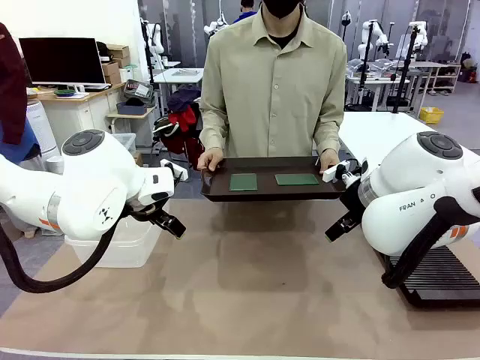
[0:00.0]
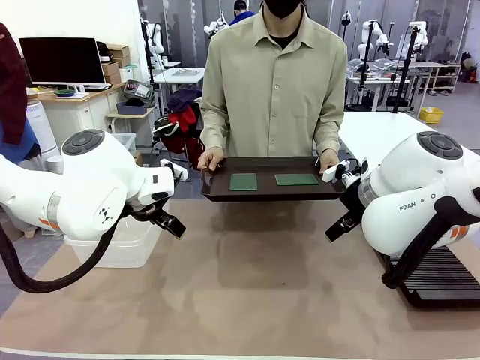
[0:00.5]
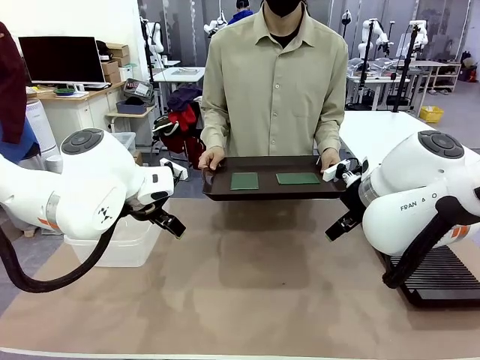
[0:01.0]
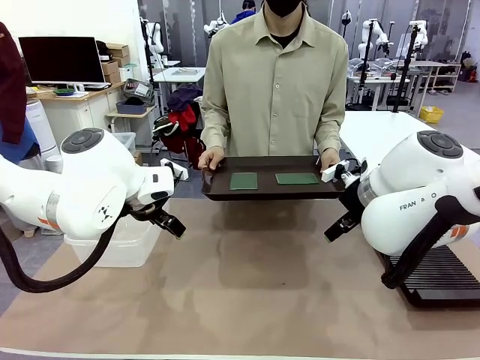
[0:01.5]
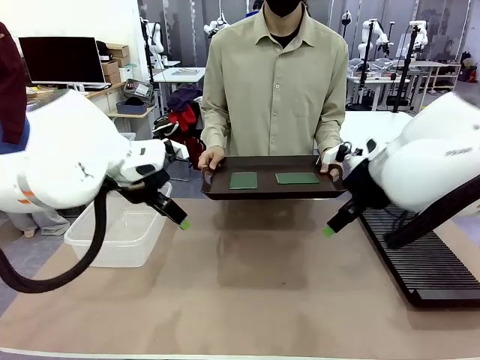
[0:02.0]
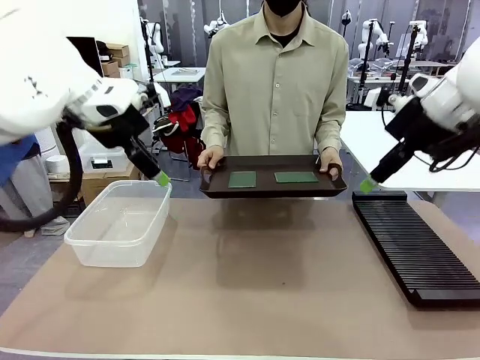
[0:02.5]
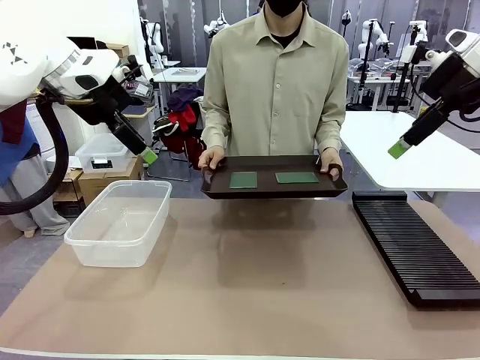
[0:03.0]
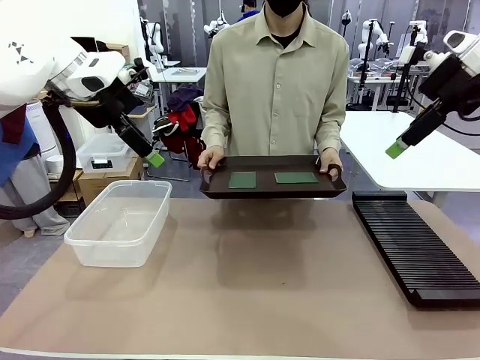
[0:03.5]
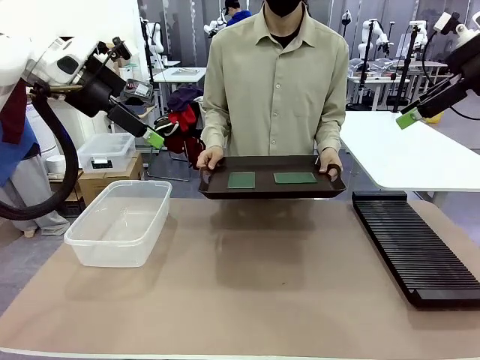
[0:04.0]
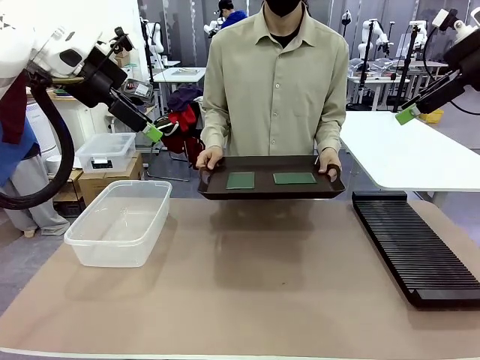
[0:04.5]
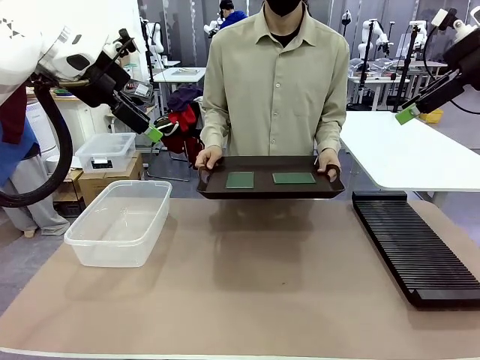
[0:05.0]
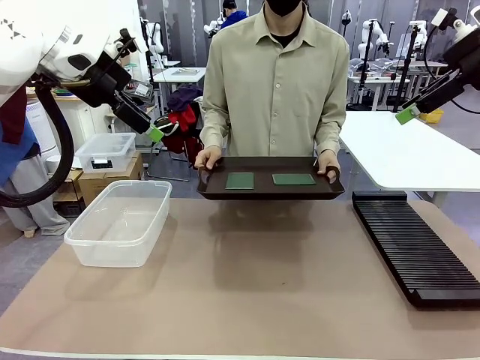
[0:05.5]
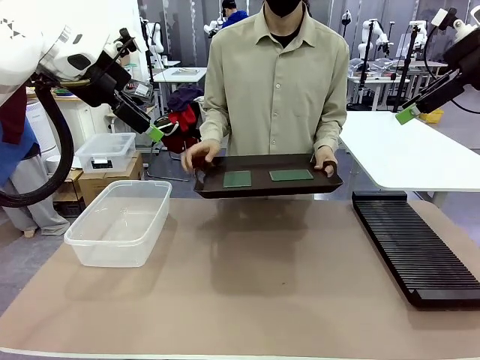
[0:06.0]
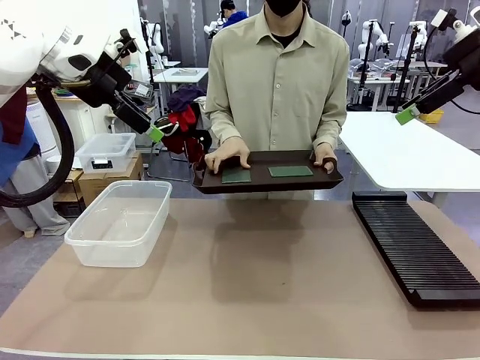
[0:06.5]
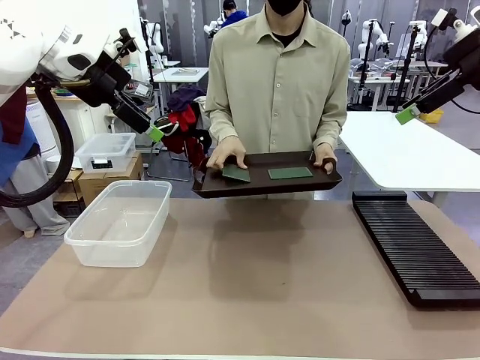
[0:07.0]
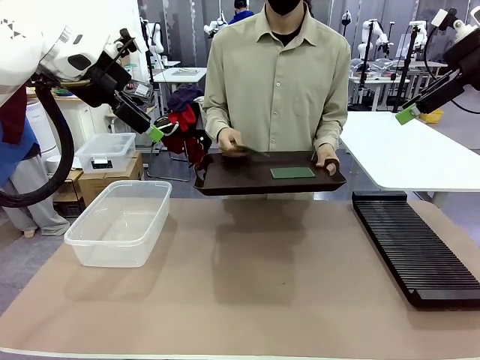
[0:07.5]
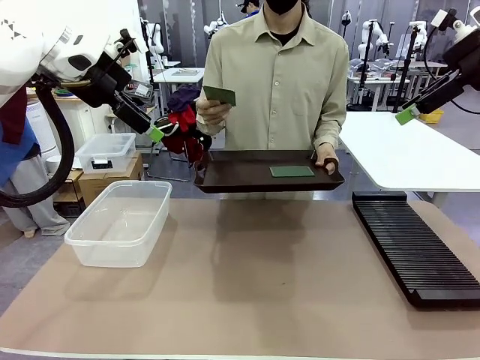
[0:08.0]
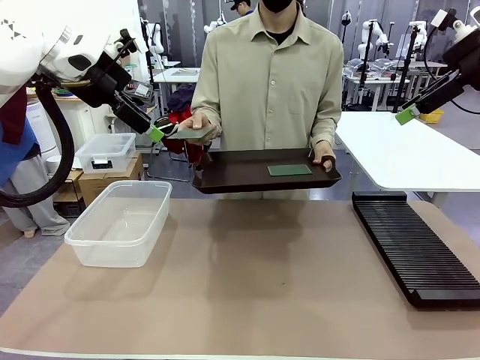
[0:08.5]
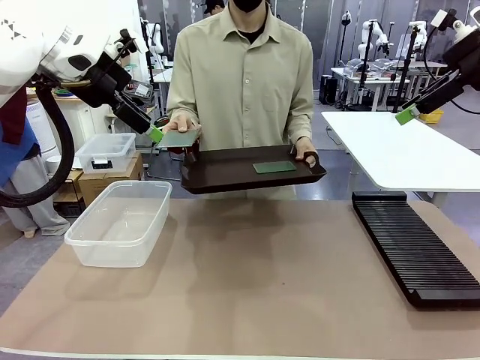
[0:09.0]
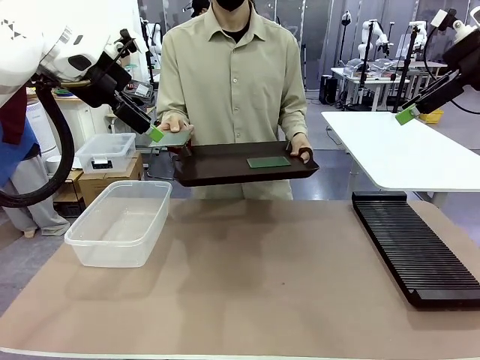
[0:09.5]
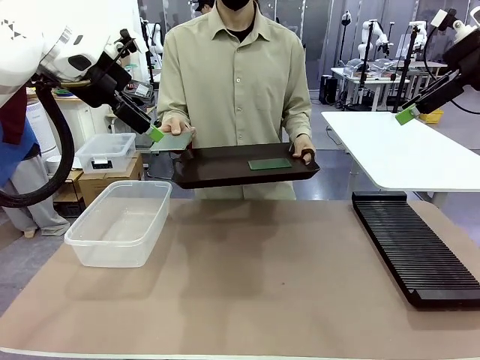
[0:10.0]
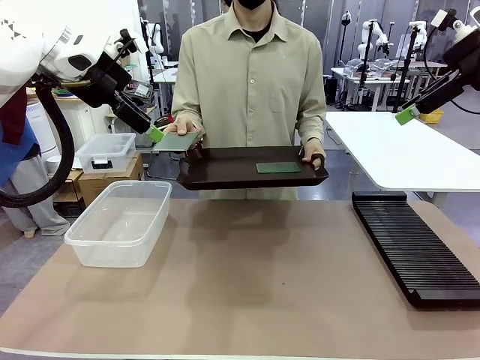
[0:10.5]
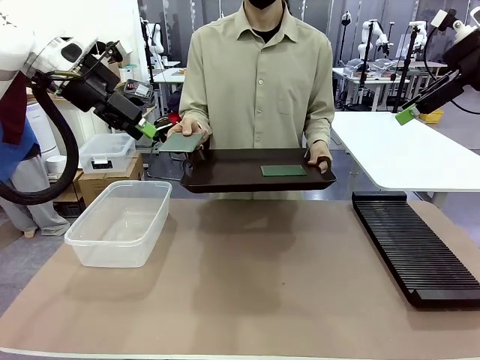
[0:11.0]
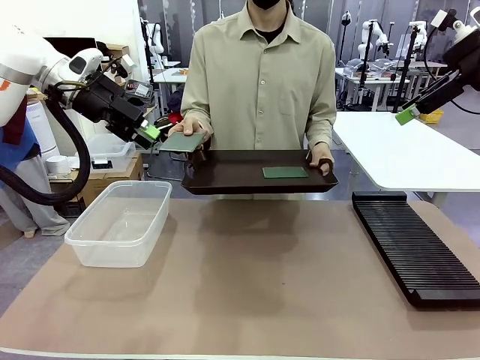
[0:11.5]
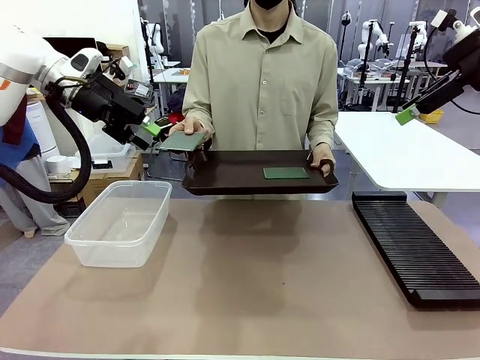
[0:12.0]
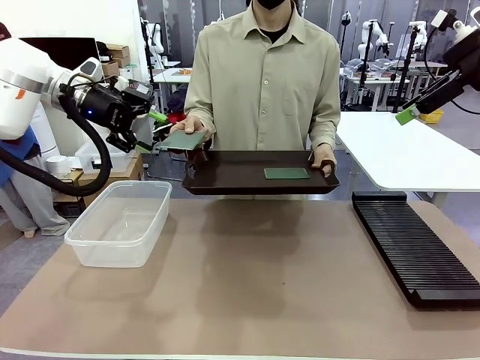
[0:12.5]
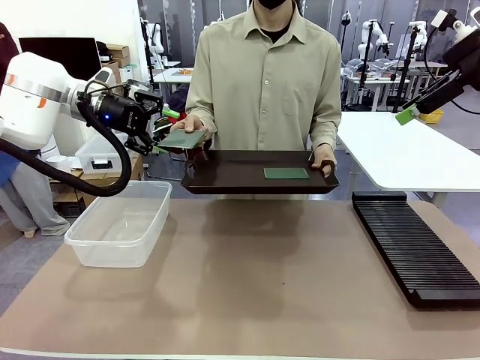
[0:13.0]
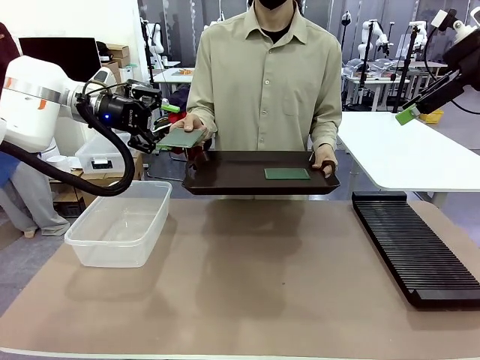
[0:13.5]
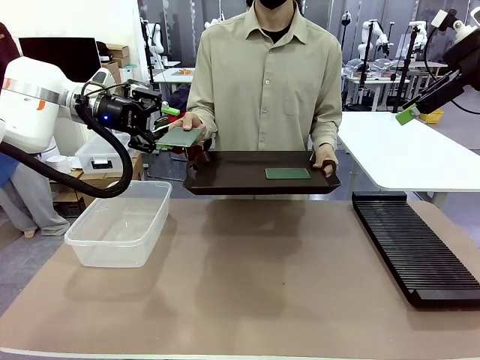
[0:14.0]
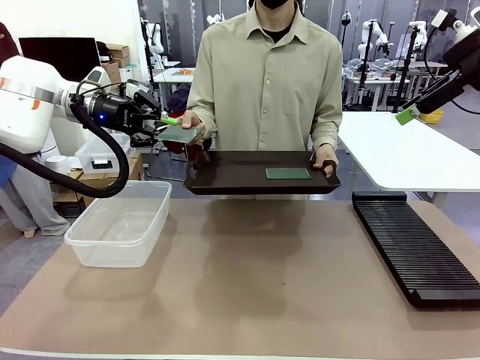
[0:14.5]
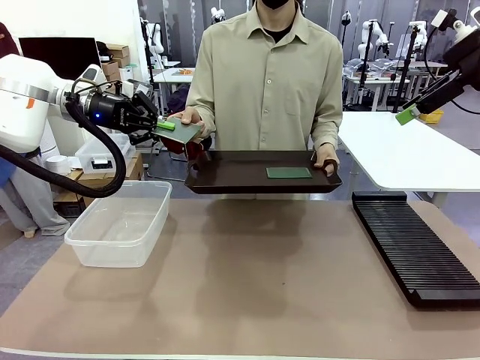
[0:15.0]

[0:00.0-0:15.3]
Task: Sort PCBs into racks and boxes based on the side picked up.
Robot: Pick up the Blank PCB handed by the Human.
Person: Pick one PCB from the tray and present it to the robot. Release the PCB being held.

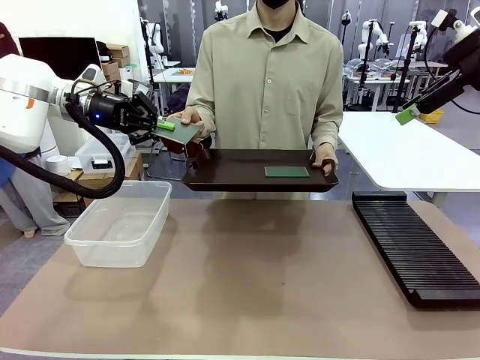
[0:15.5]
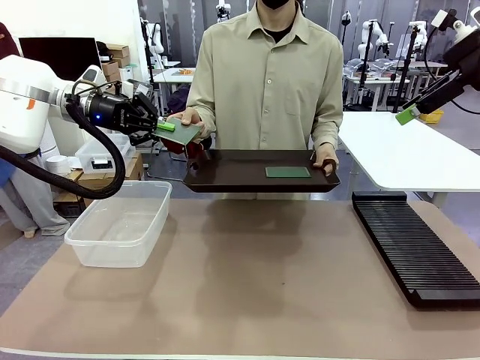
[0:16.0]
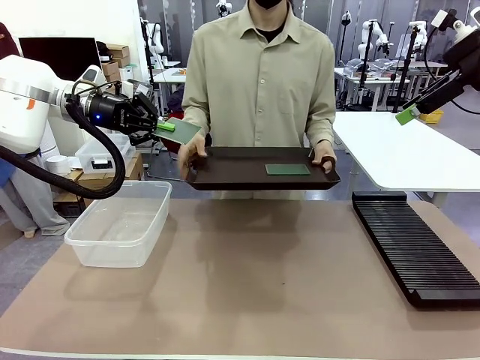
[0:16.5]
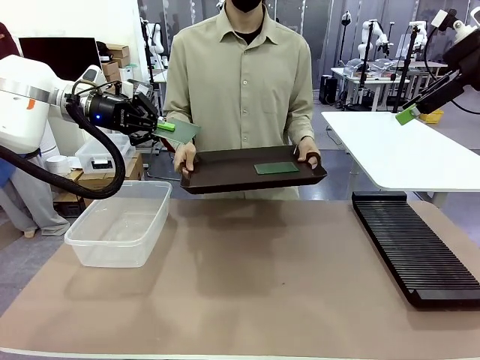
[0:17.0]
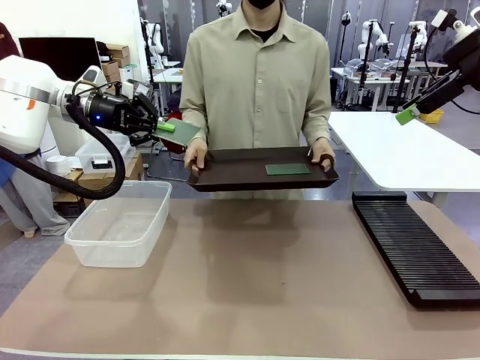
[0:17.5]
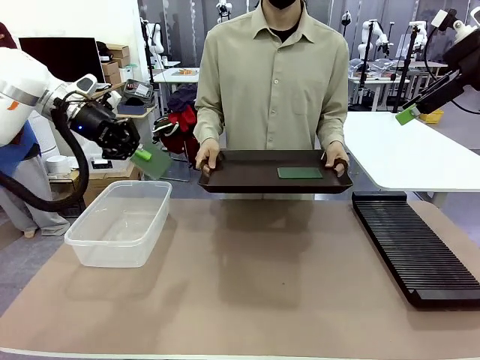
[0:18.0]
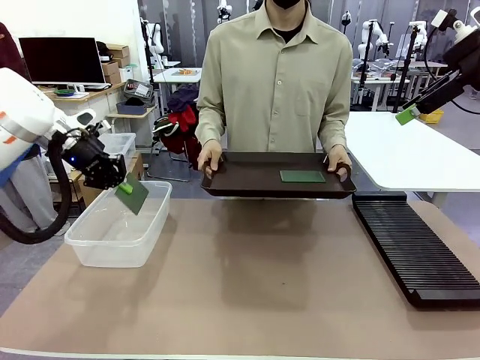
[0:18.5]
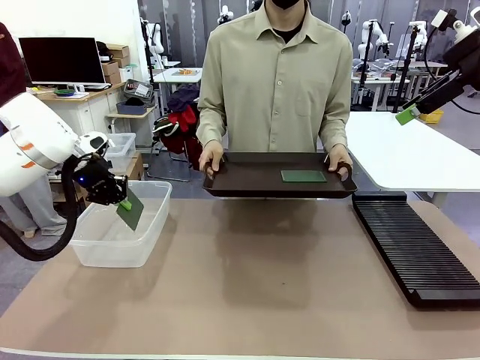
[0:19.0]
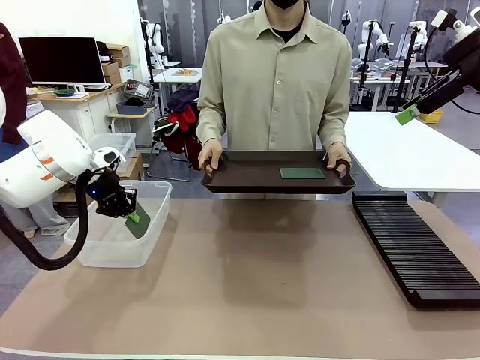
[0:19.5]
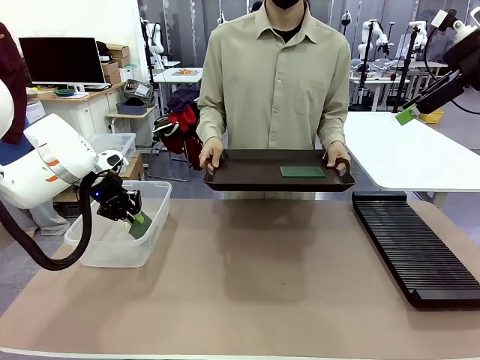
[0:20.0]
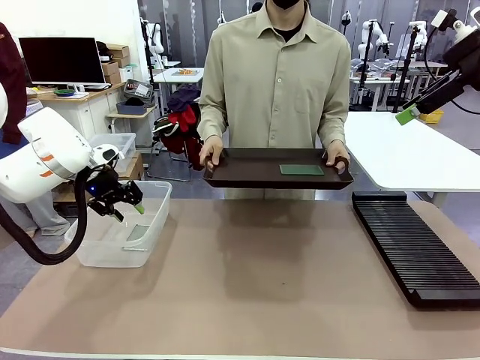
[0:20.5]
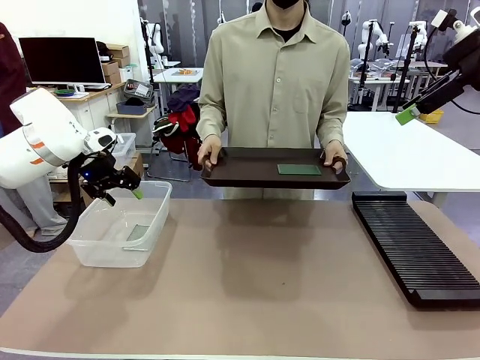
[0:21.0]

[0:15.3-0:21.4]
Robot: If the short side of the Blank PCB is picked up, insert it into the PCB Rack ; if the long side is picked up, place it in the Organizing box.
